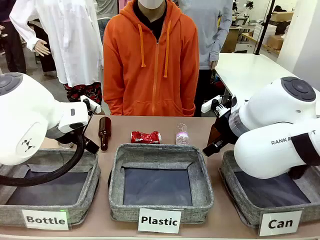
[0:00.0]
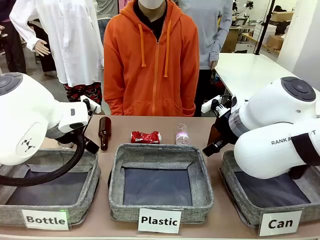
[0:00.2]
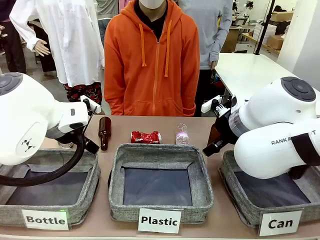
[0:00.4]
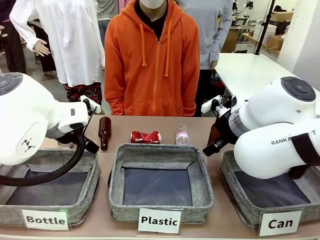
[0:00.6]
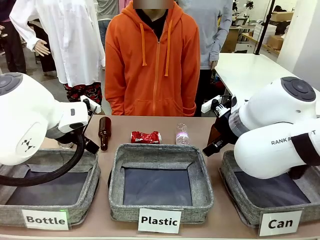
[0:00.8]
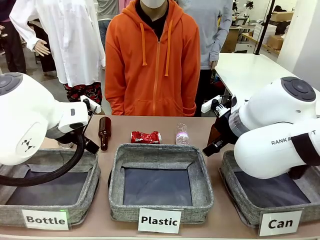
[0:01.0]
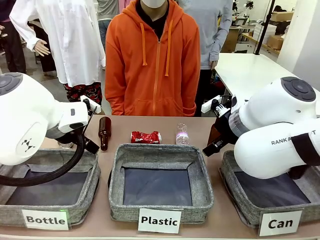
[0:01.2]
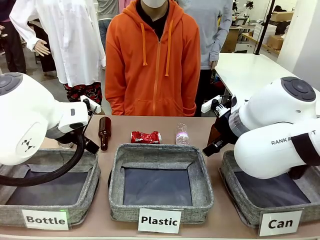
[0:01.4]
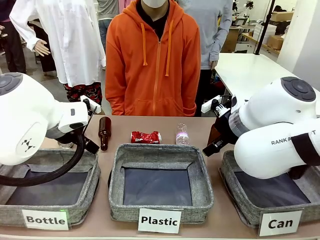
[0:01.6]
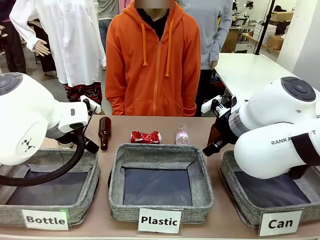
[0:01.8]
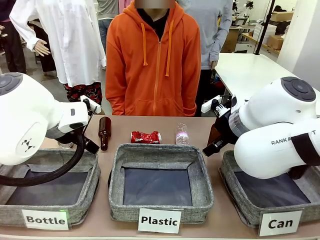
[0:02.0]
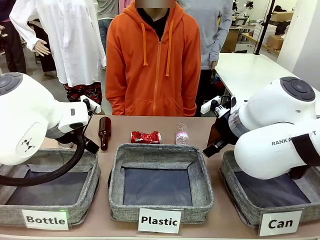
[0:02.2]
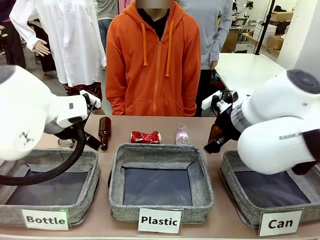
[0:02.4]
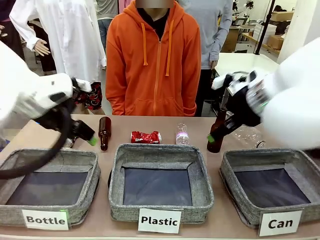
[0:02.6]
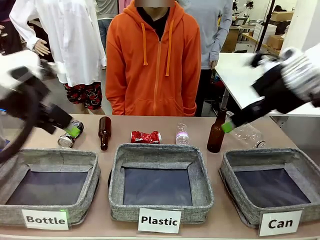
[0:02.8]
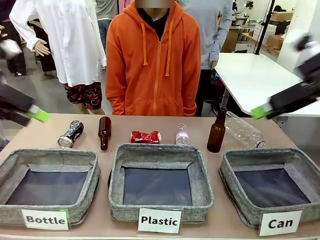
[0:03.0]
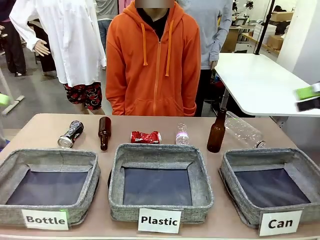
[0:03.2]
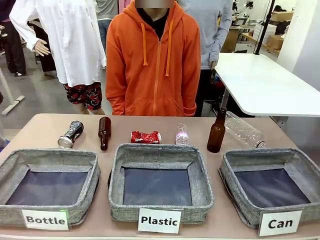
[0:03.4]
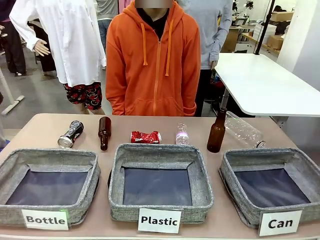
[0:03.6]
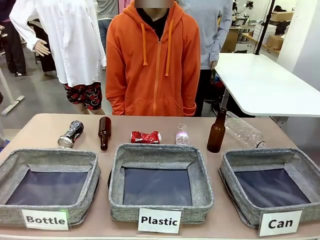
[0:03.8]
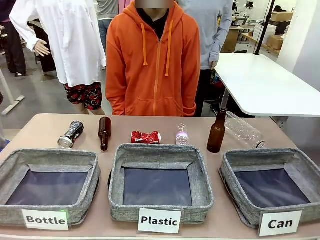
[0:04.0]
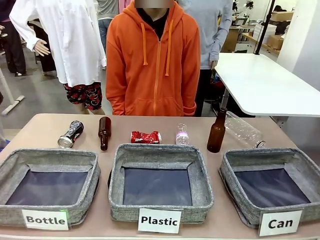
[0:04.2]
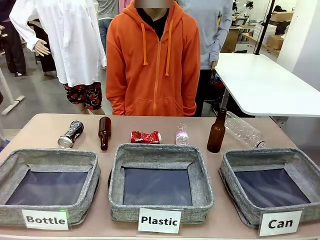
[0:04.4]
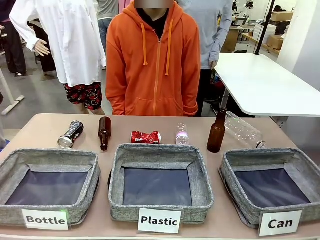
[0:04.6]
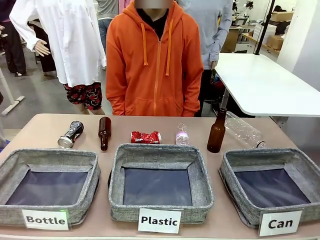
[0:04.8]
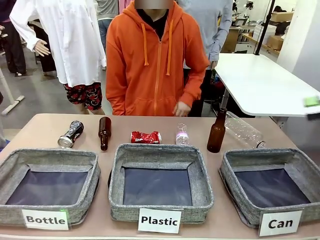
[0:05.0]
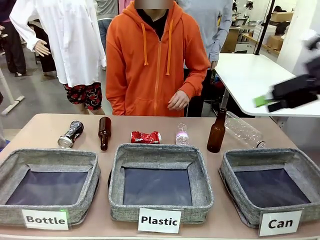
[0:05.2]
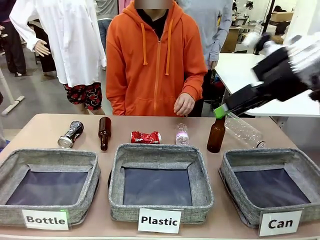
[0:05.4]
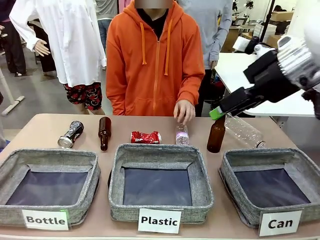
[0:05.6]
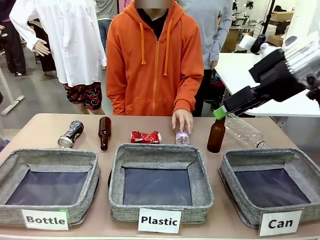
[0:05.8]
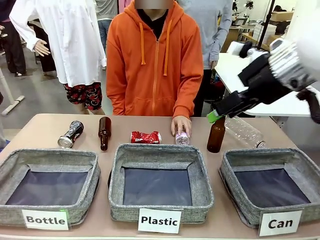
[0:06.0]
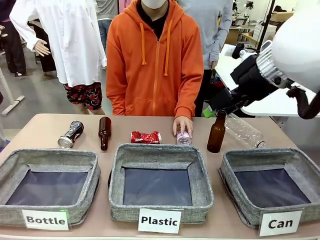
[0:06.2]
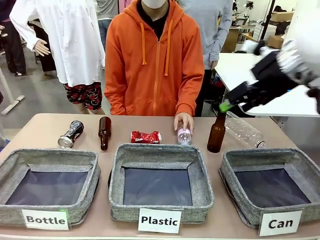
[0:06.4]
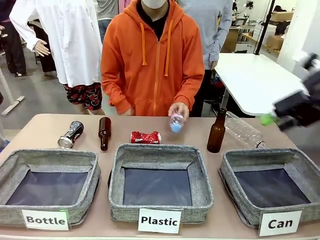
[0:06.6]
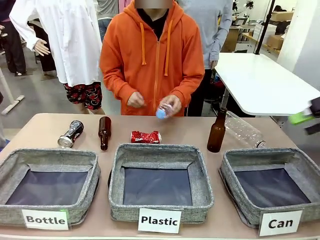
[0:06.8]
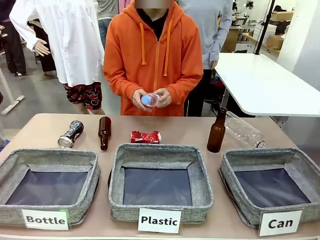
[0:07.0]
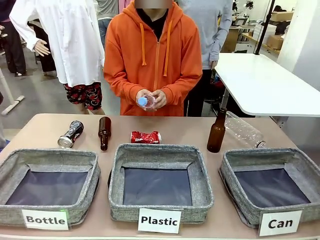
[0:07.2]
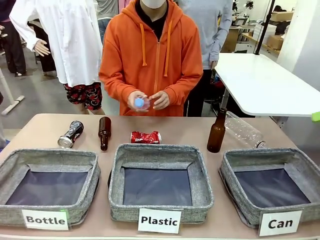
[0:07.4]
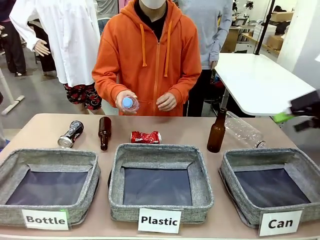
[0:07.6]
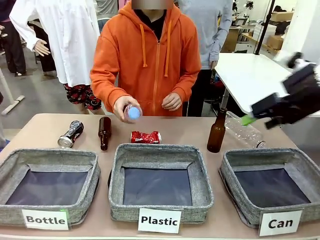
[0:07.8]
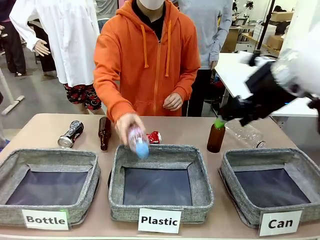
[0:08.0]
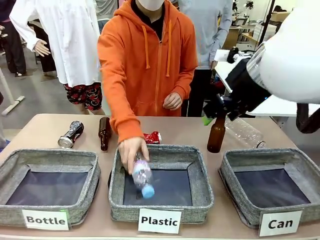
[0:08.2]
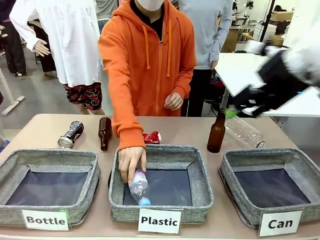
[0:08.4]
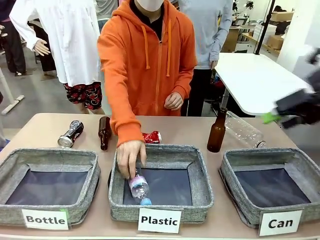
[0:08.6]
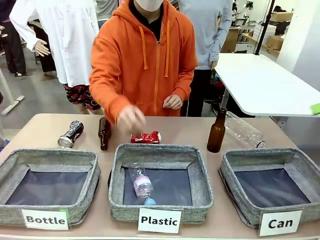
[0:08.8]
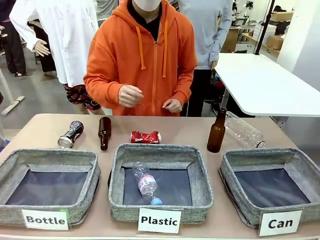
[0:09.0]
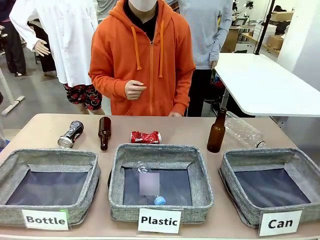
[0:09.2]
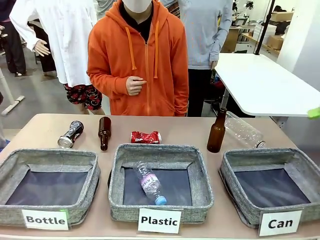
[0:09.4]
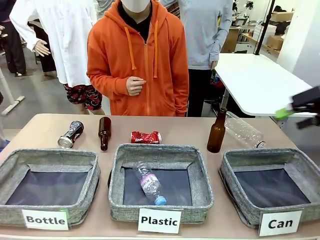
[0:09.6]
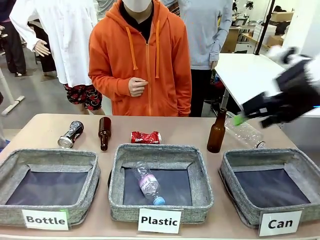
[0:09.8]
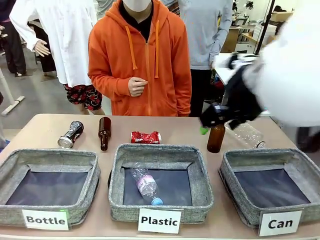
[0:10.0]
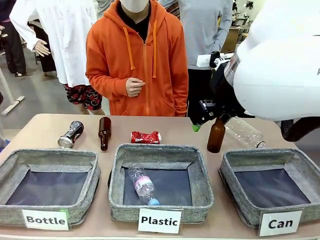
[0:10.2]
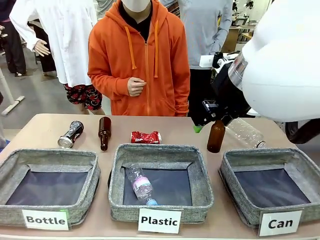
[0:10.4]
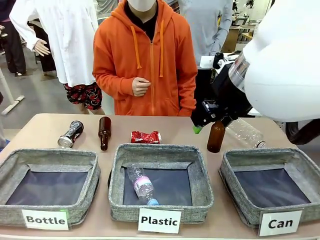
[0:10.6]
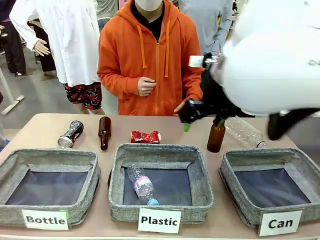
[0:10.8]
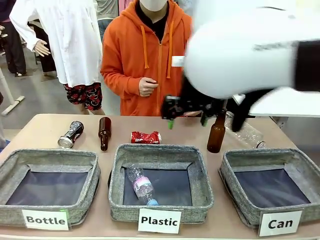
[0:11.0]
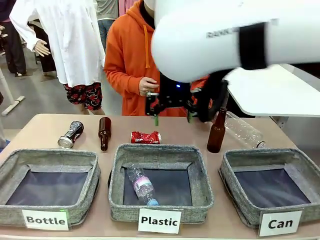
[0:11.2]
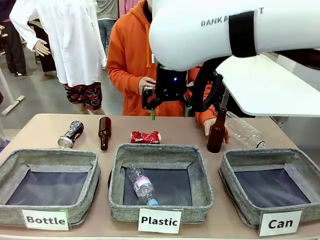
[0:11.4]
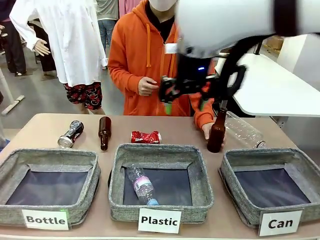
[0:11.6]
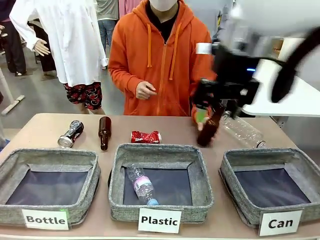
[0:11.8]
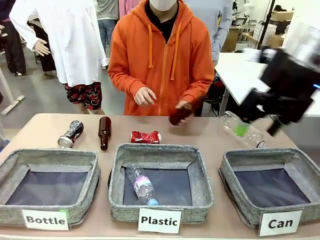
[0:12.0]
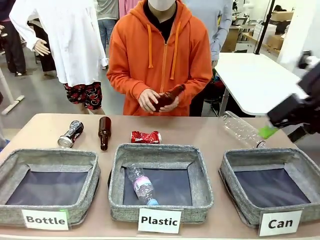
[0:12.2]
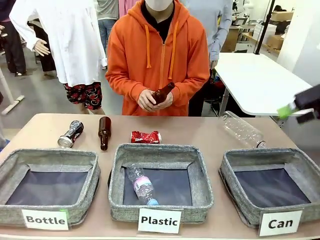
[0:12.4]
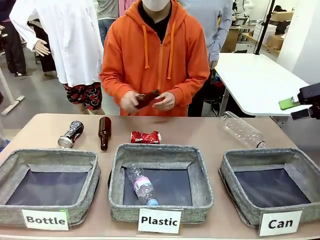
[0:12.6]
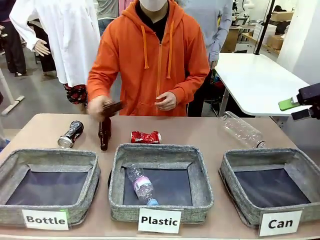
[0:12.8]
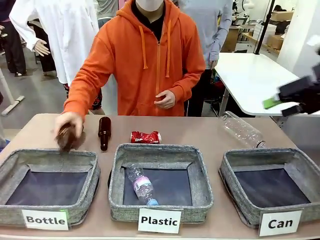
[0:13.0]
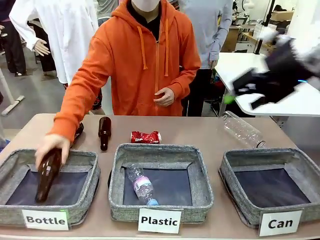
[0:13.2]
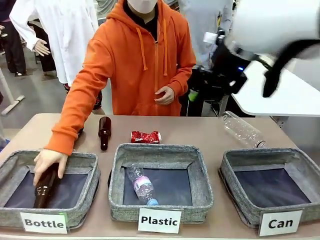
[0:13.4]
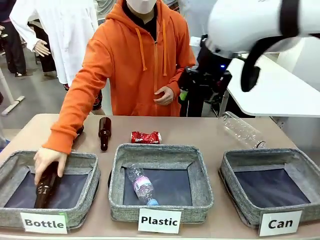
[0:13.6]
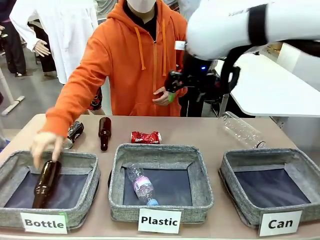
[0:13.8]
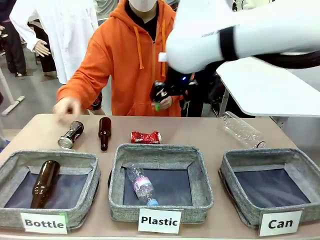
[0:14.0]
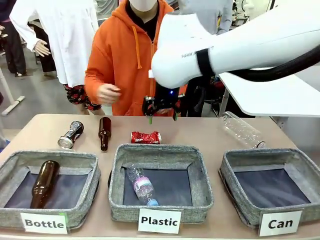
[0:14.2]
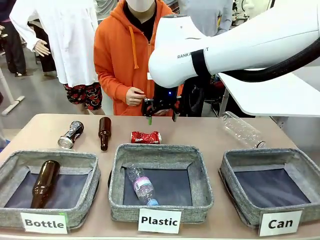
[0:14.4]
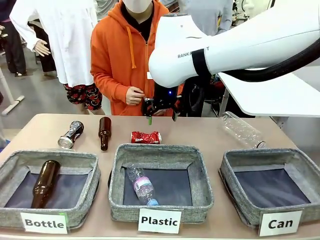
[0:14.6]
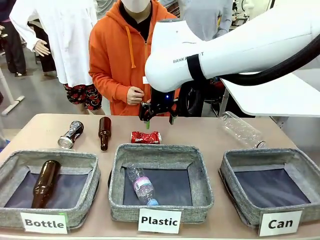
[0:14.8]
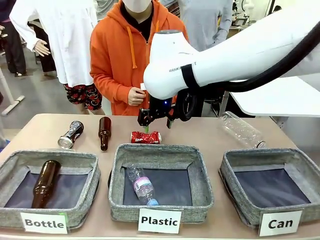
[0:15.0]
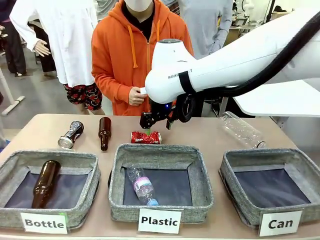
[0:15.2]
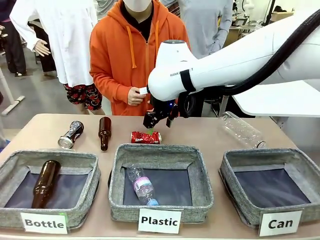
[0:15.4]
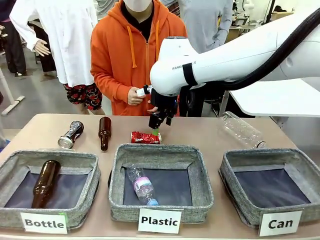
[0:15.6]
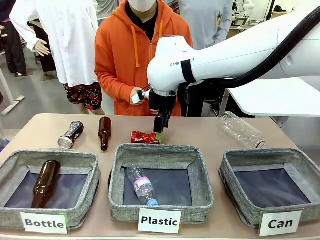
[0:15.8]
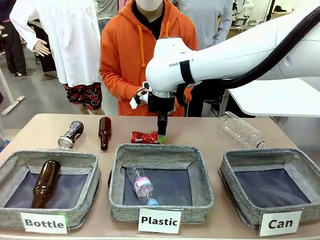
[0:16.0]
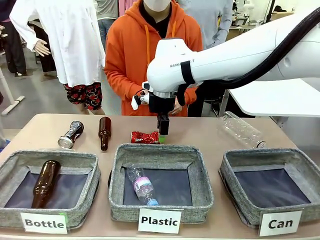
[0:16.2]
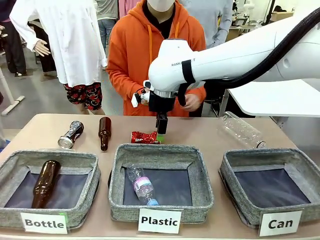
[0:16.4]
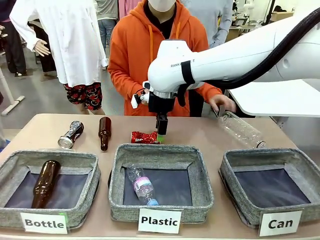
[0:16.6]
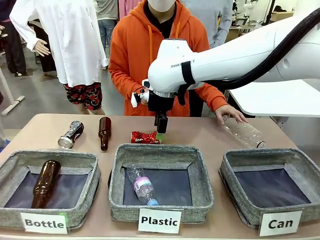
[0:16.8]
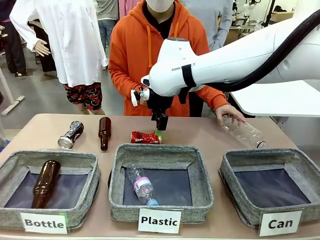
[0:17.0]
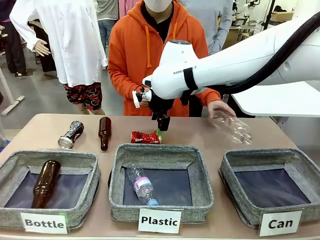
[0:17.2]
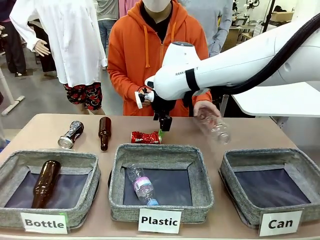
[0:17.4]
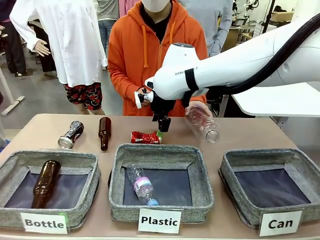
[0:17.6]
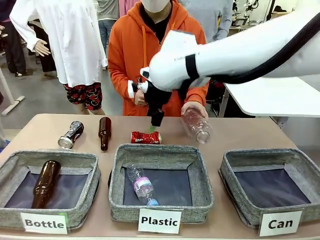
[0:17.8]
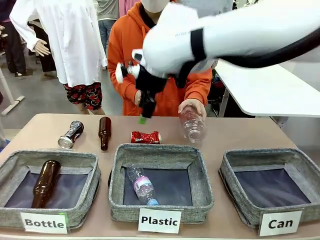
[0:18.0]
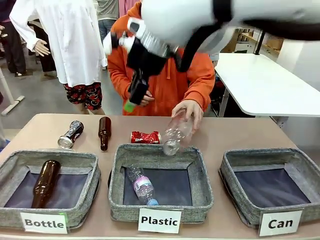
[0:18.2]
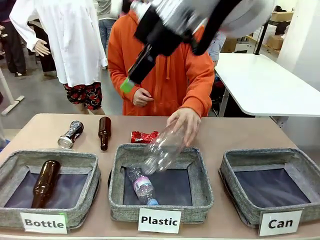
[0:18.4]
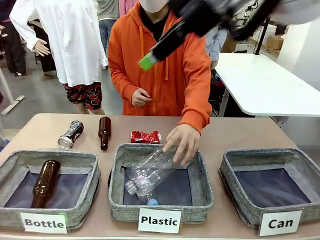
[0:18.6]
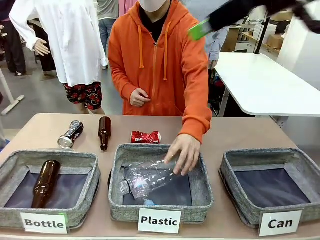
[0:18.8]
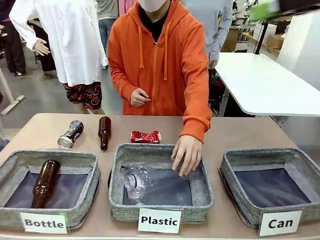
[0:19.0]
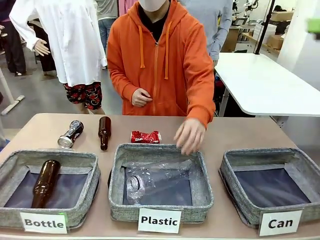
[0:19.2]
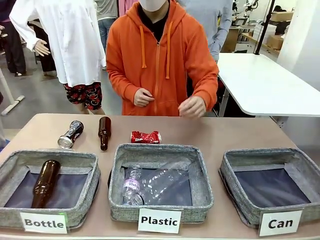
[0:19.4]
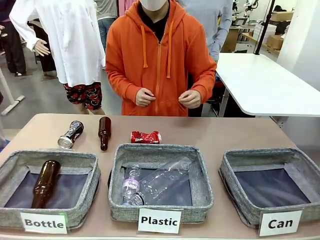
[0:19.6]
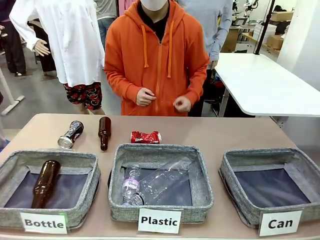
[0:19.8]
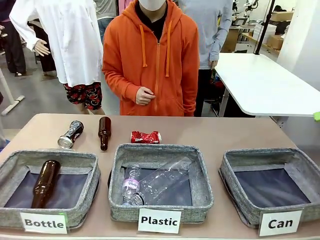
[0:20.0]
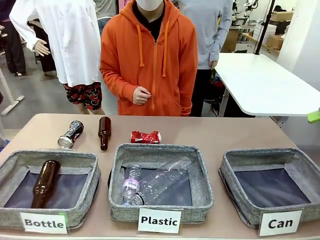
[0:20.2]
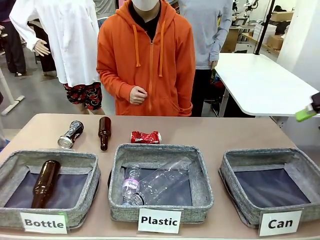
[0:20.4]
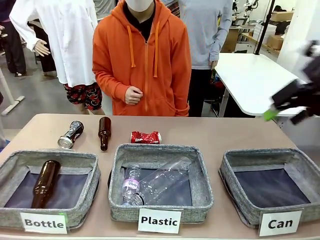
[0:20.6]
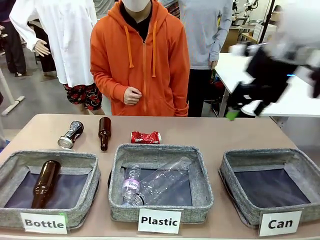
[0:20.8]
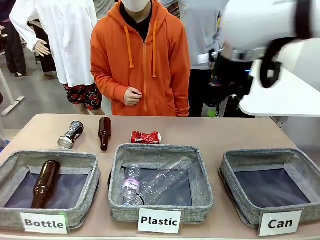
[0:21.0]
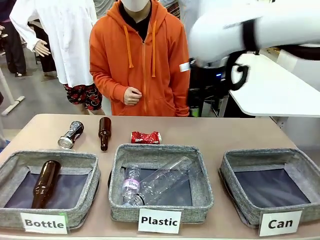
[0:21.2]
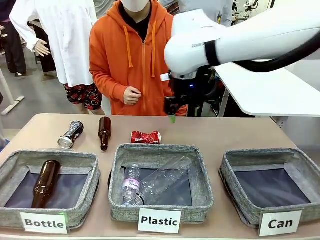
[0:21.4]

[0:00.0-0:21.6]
Task: Sort the can waste into the basket.
Robot: Pick up the can waste from the table and place it in the right Fabric basket.
